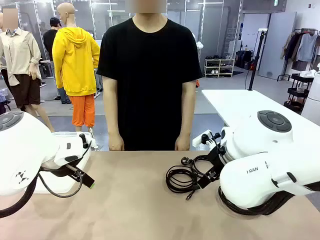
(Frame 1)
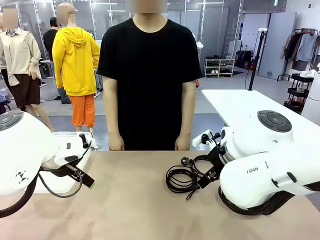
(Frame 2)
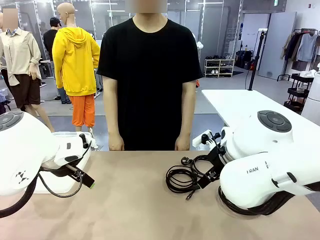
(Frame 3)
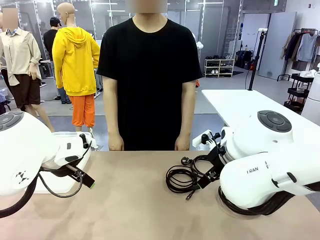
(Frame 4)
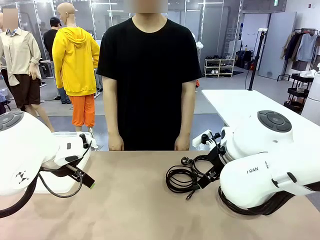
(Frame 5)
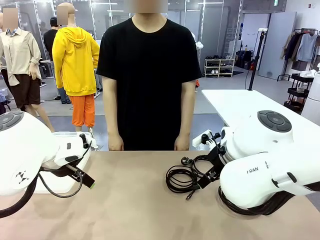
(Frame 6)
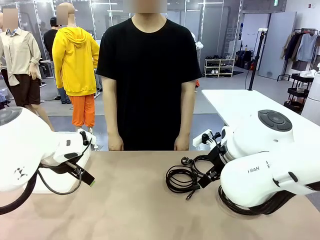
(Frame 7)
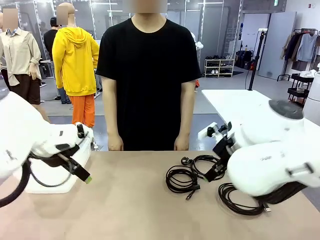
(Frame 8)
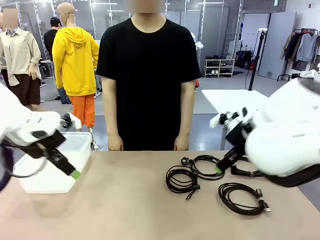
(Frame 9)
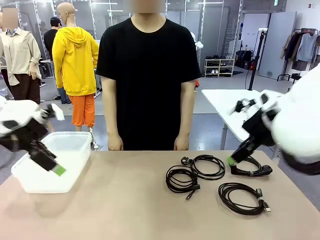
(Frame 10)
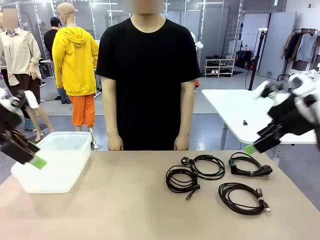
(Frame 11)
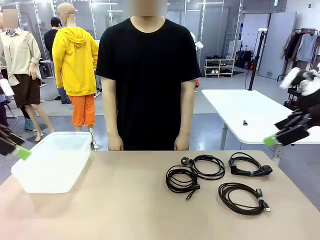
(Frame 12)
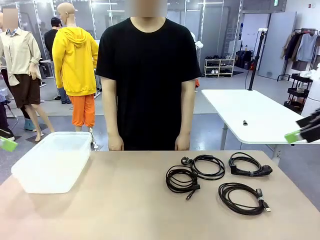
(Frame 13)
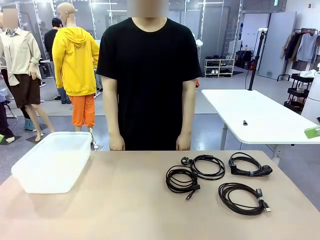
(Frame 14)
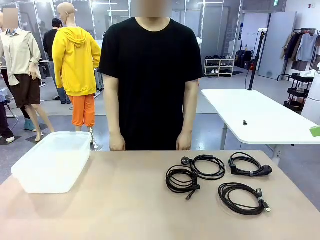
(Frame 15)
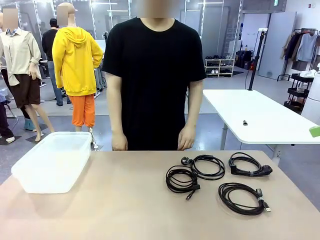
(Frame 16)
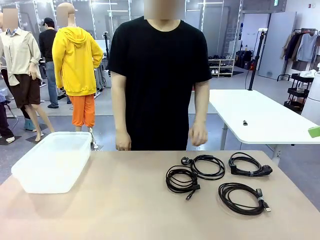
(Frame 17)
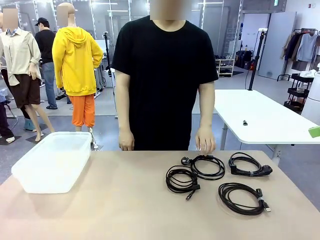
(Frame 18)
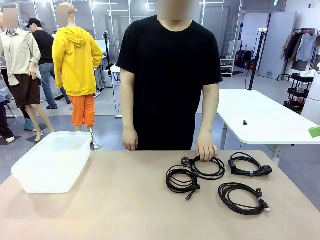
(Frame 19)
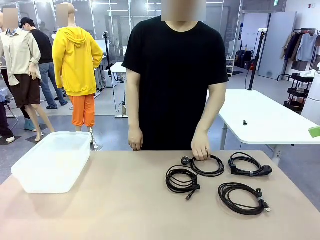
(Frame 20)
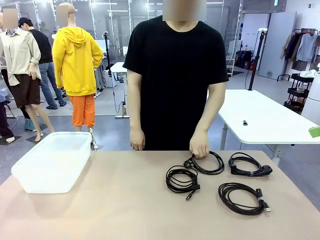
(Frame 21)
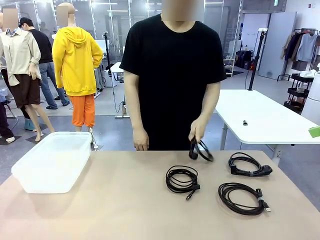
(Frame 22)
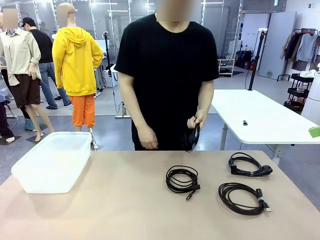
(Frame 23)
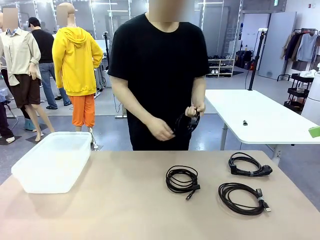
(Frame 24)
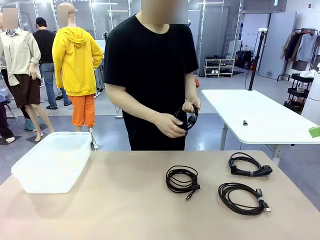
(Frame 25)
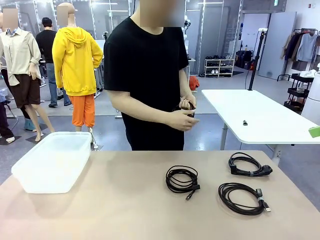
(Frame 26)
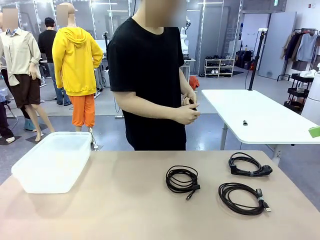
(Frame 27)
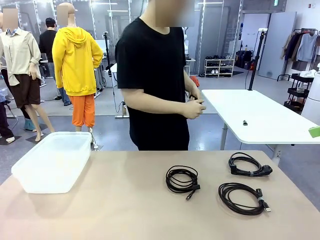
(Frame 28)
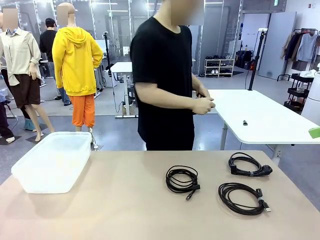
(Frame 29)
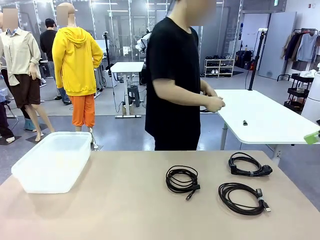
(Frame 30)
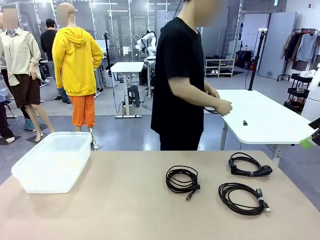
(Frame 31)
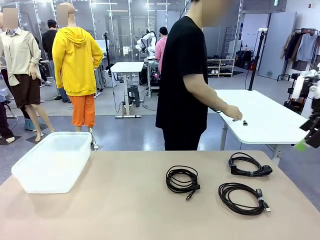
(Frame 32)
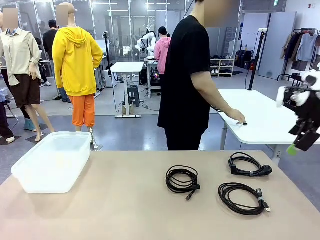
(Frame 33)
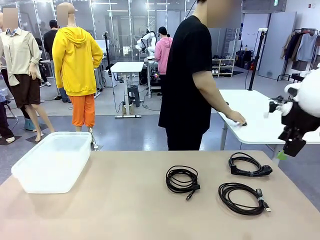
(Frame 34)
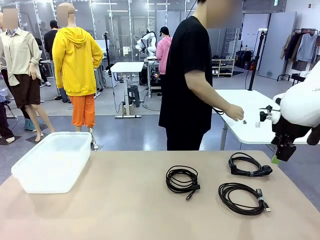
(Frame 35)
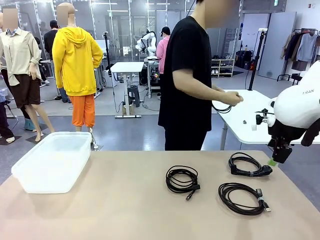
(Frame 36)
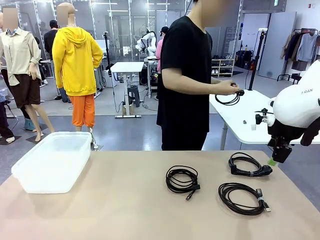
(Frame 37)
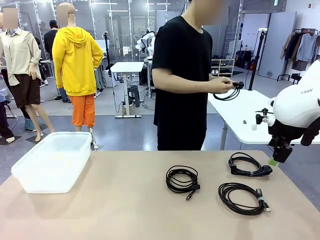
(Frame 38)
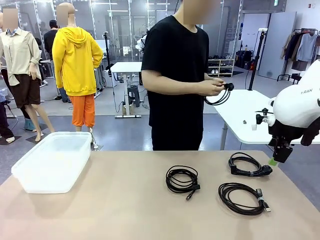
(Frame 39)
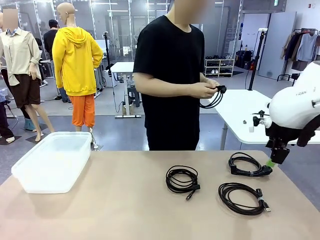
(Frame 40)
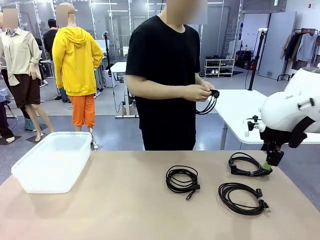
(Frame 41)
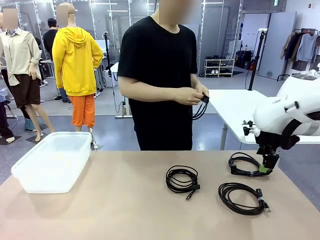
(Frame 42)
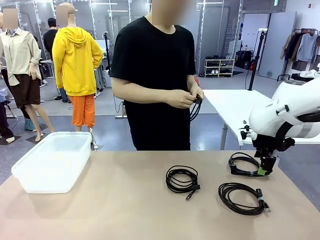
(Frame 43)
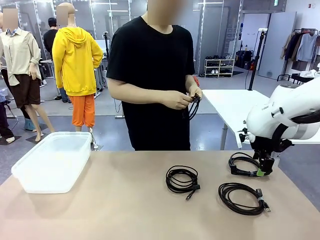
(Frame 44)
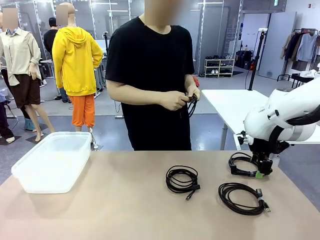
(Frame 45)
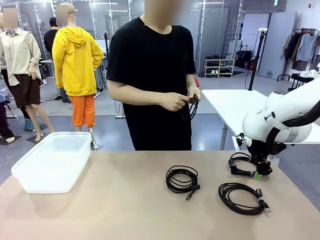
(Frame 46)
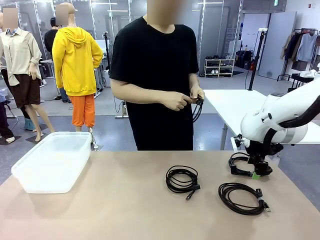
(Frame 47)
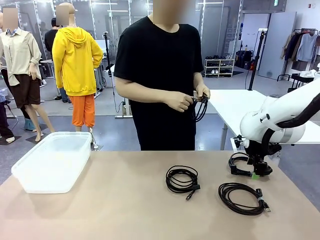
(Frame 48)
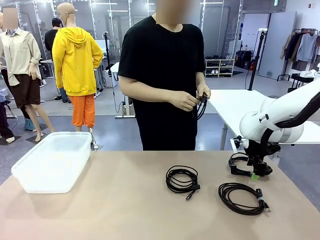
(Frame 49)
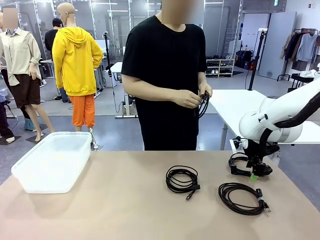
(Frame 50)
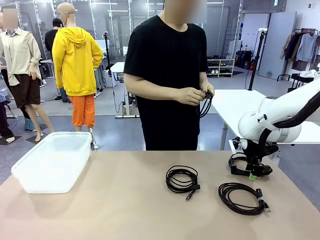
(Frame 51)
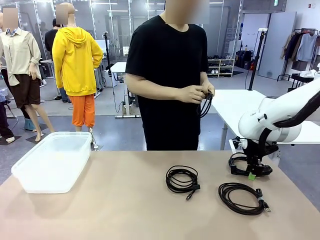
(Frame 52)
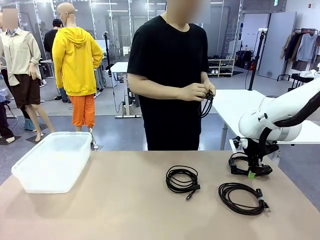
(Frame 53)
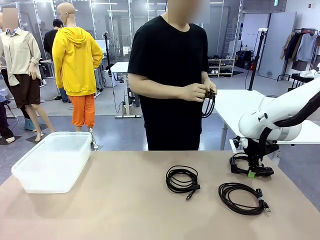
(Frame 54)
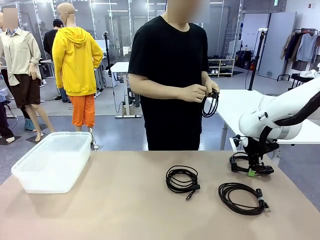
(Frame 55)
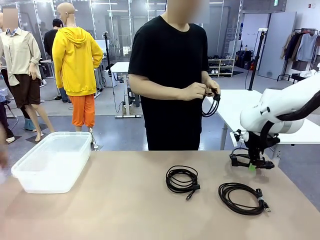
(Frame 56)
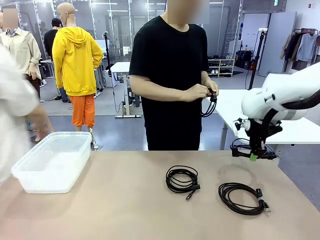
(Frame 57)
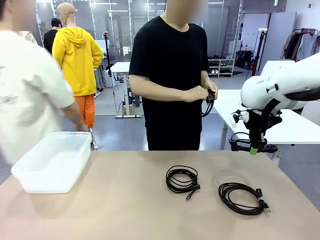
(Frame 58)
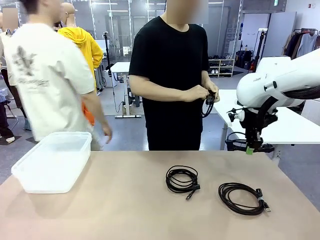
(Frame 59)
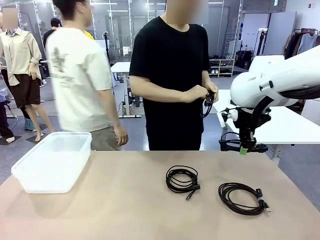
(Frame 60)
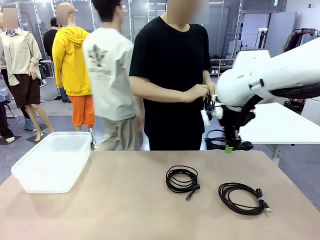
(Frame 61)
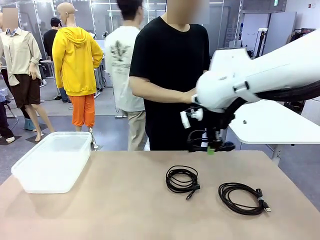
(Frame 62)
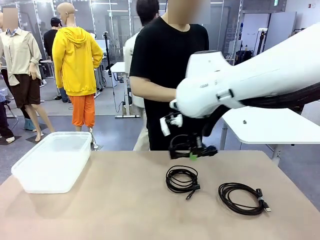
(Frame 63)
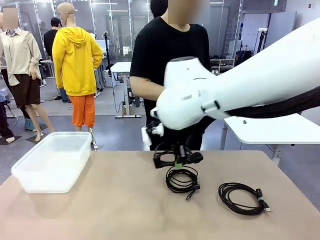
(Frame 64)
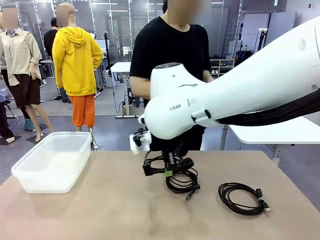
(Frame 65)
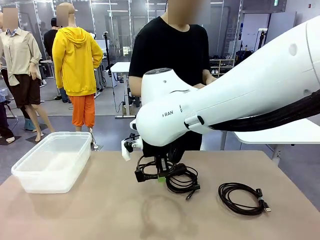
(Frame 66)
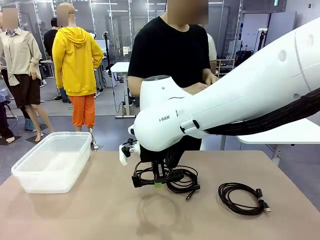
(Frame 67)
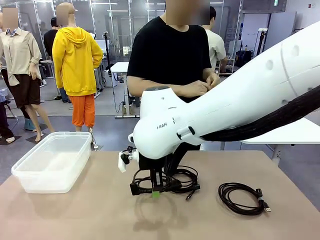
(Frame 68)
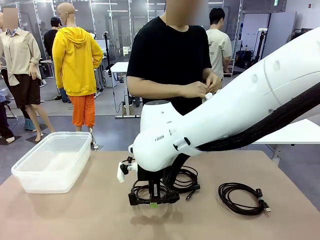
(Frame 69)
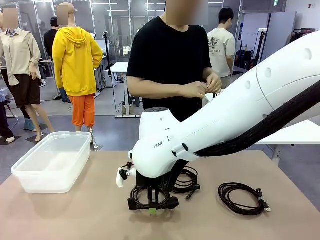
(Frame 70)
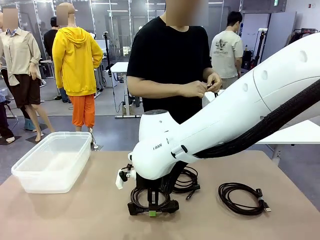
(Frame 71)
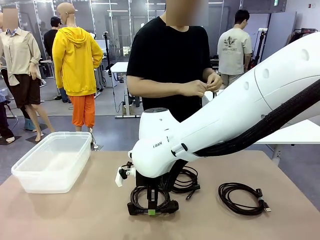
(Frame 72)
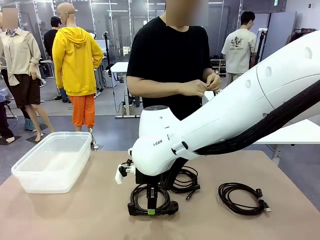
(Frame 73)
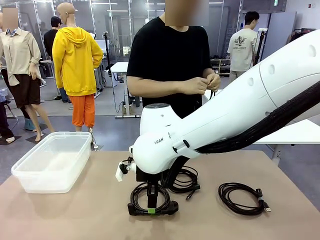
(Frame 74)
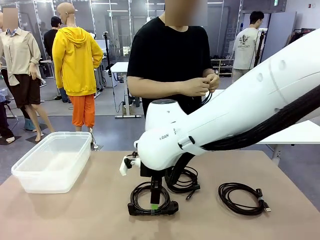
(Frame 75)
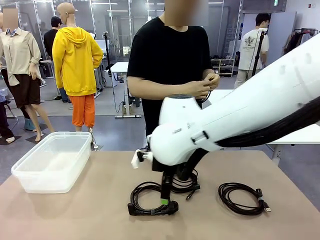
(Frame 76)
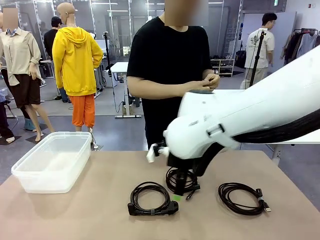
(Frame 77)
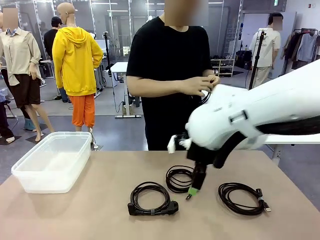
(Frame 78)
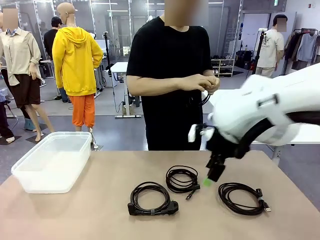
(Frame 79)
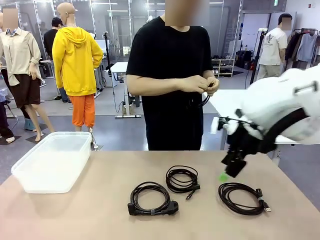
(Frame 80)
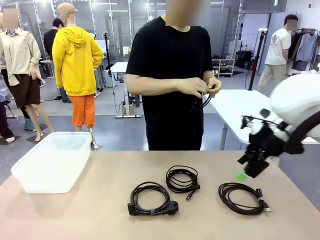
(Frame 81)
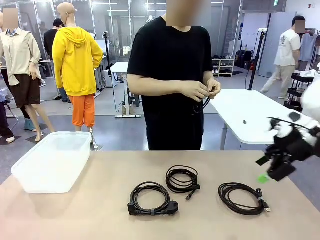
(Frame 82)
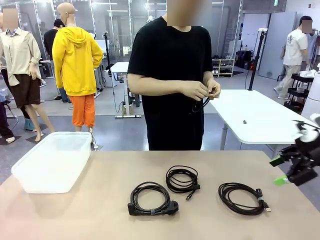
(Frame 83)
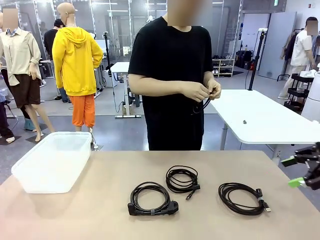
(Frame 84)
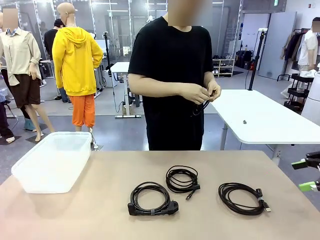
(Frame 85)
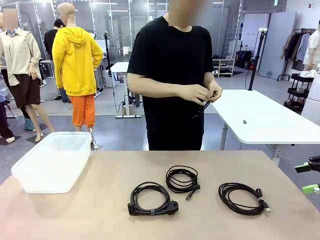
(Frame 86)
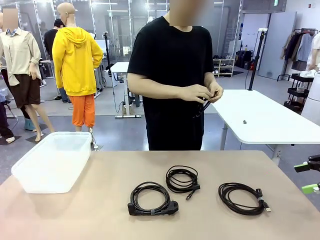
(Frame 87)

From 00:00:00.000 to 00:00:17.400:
Task: Organize and store the cables.
Robot: Place the Power Cable into the Organizing box.
Person: Tie one Power Cable with a Reusable Cable Tie.
